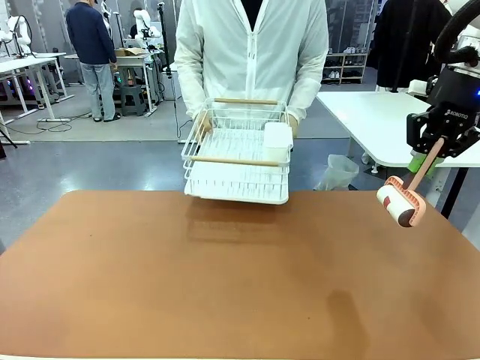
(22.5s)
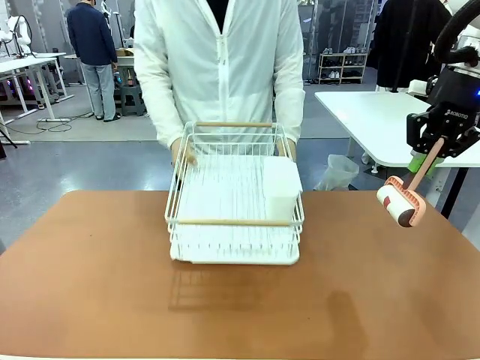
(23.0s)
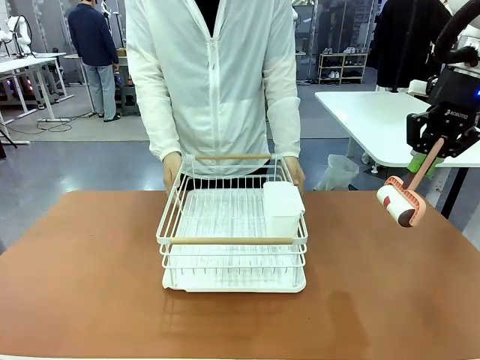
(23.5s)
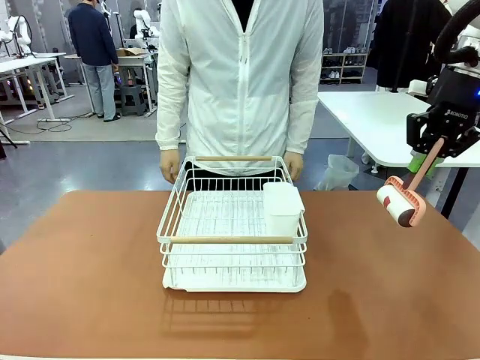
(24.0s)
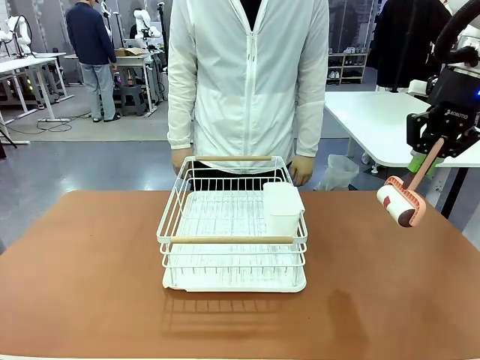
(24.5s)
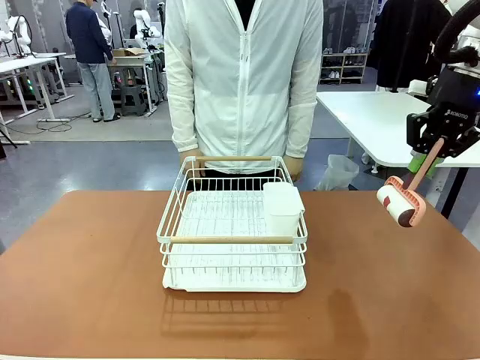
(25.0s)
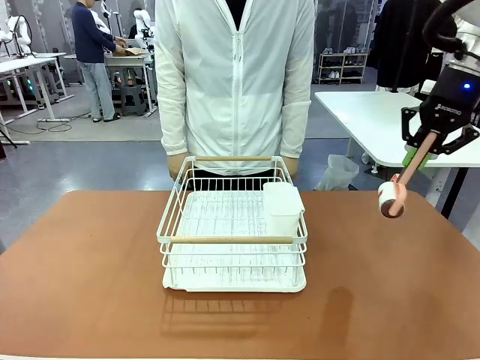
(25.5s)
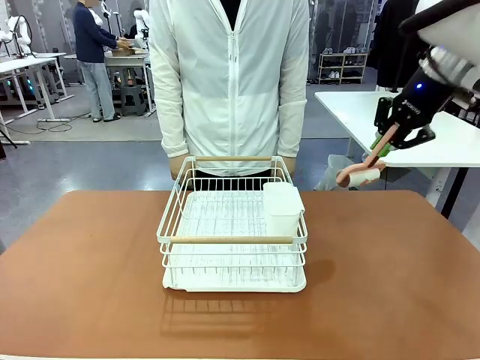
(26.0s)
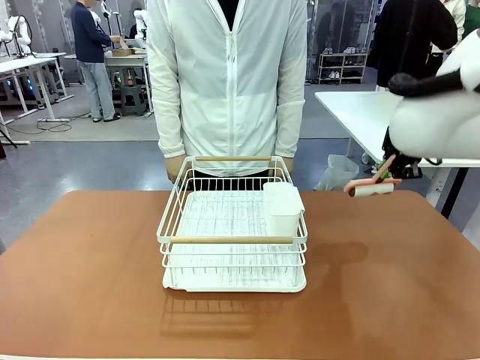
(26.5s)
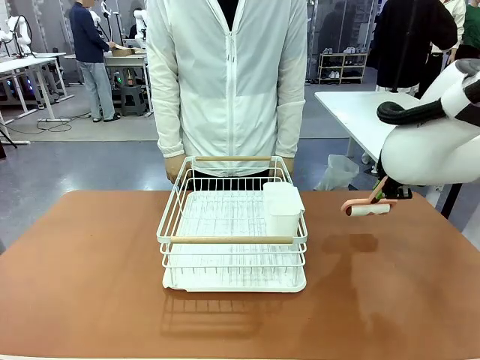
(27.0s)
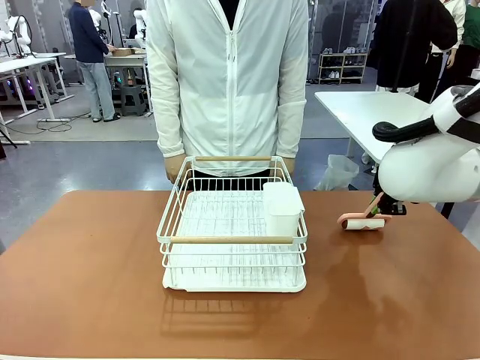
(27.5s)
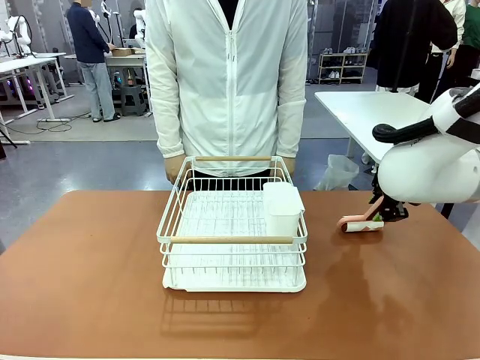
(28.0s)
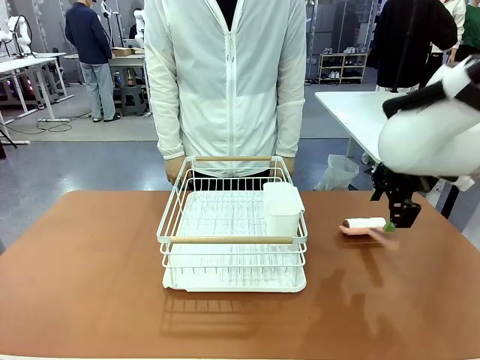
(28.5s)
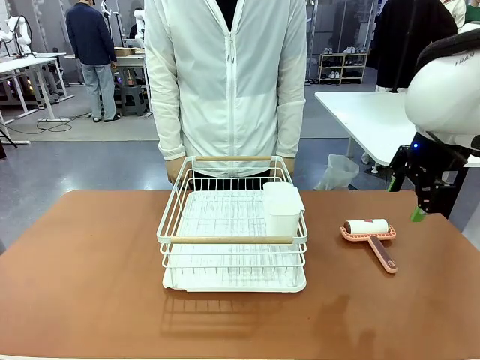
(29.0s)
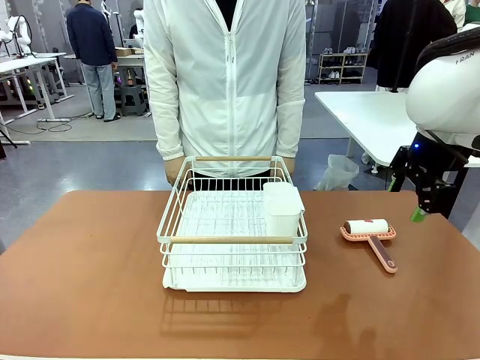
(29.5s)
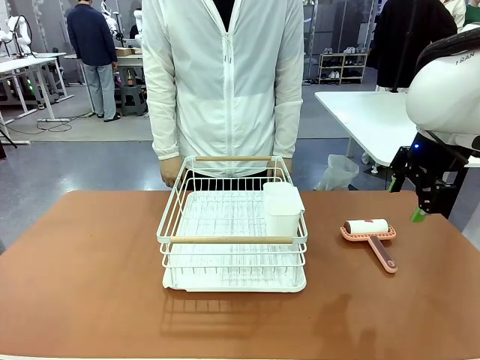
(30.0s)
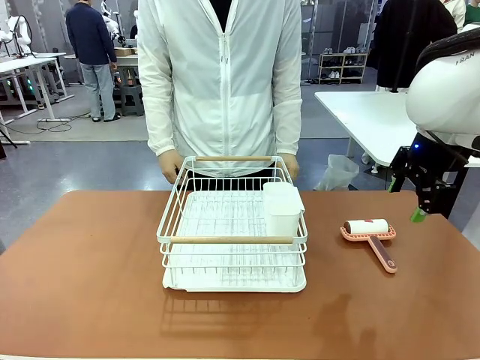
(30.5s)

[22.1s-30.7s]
Task: Clean the table.
Robot: Place the Lint Roller down when the Dish drying rack is positioned in the middle of the table.
Person: Place the Dish drying rack down when the robot finishes cleaning.

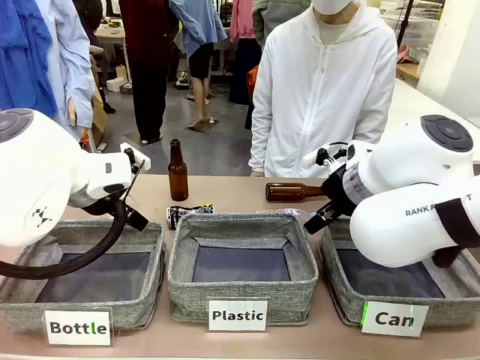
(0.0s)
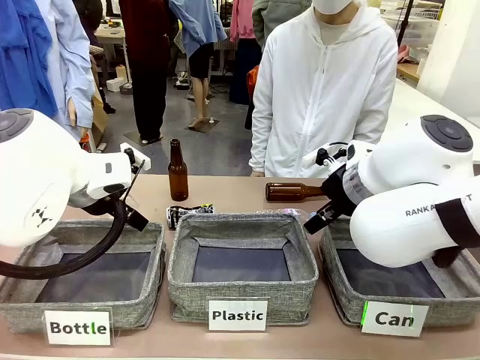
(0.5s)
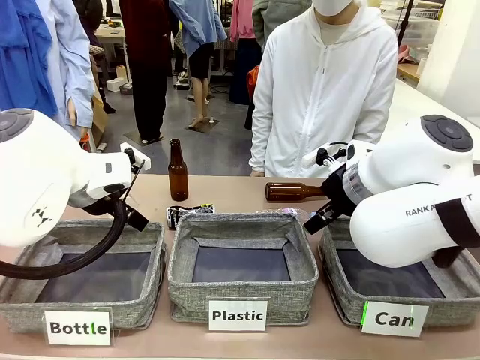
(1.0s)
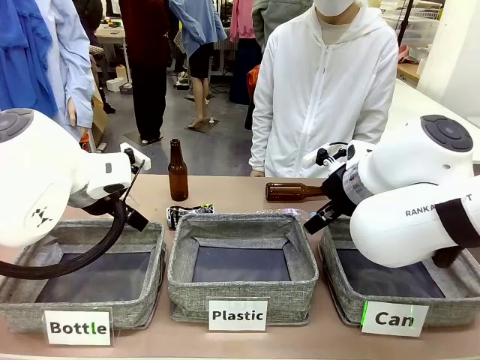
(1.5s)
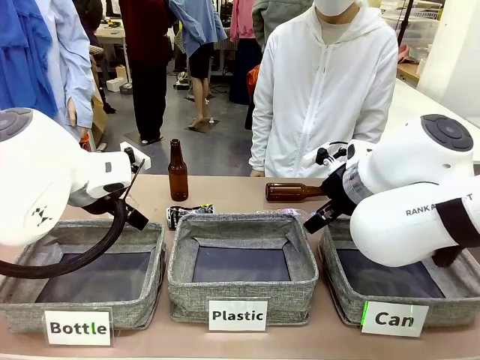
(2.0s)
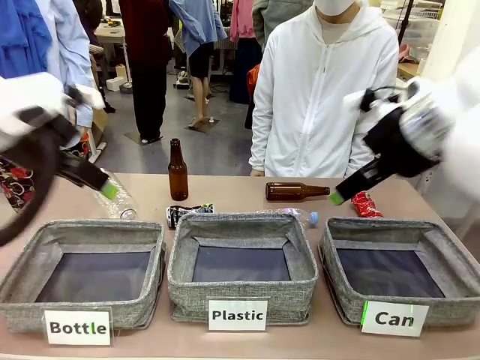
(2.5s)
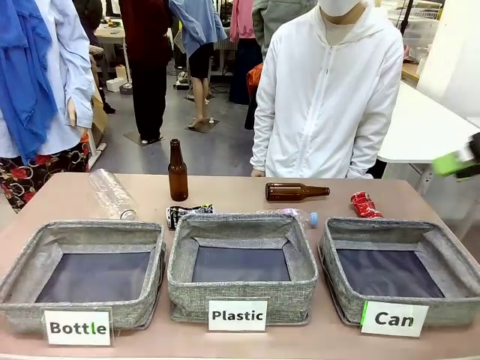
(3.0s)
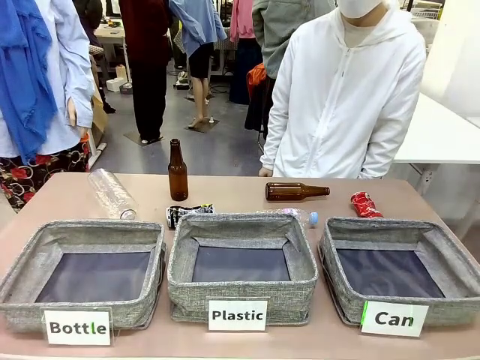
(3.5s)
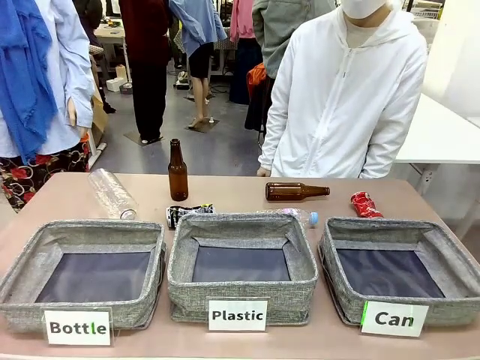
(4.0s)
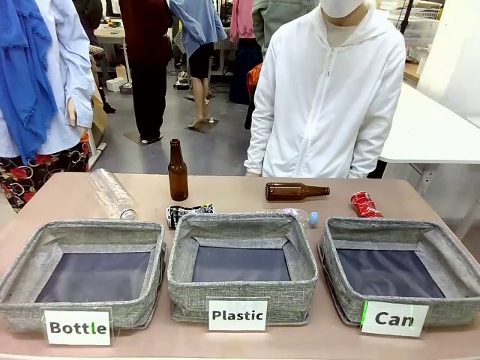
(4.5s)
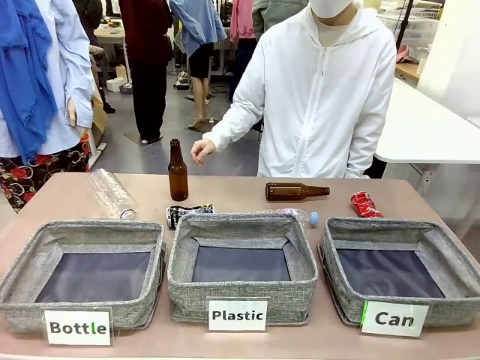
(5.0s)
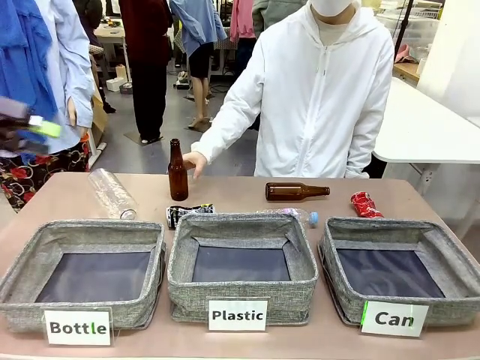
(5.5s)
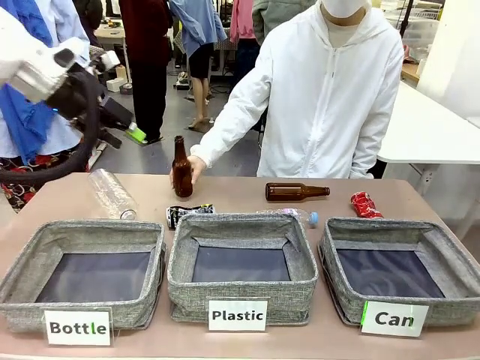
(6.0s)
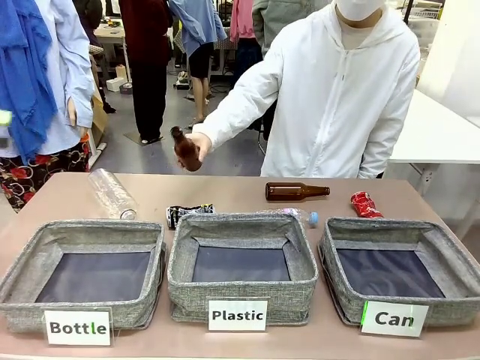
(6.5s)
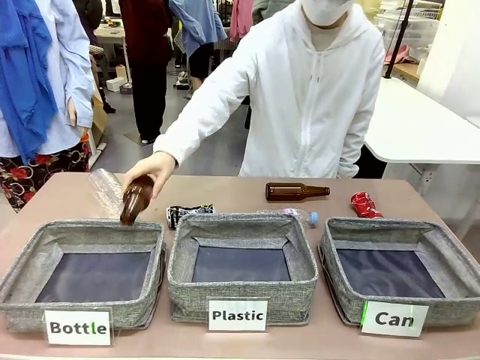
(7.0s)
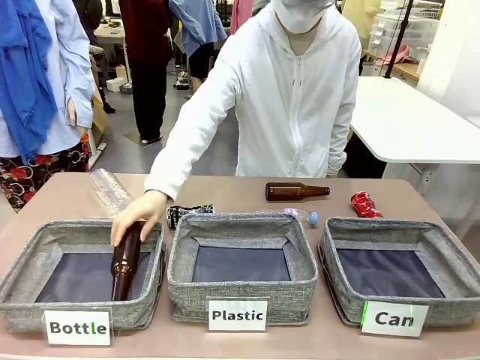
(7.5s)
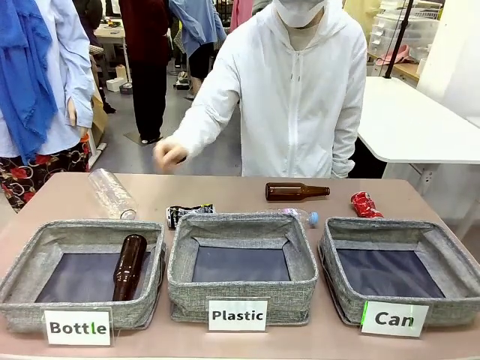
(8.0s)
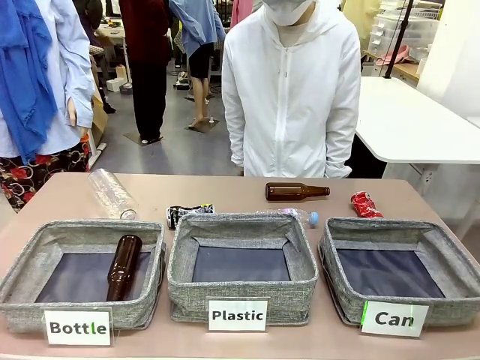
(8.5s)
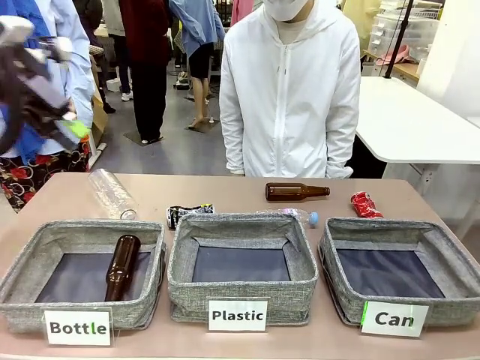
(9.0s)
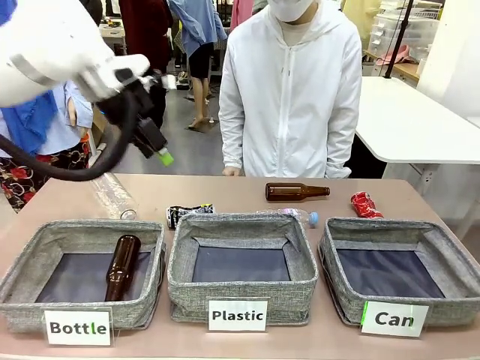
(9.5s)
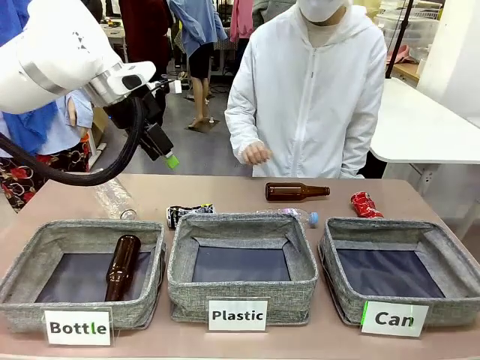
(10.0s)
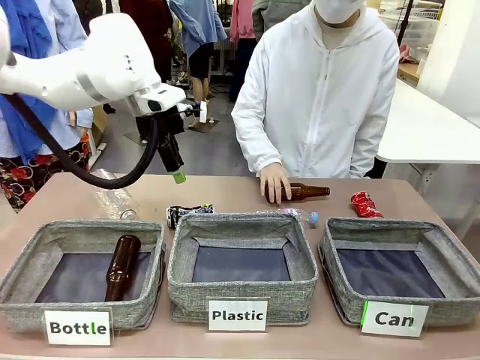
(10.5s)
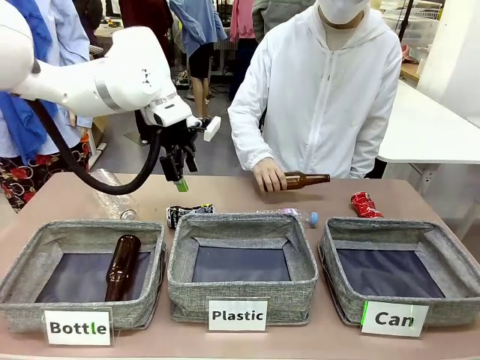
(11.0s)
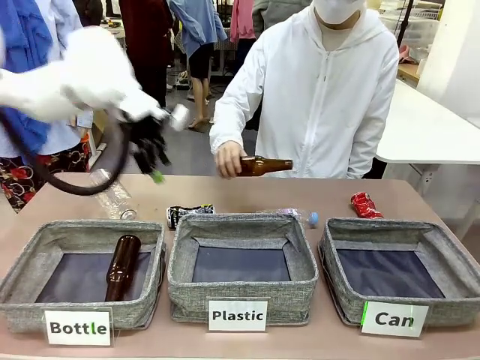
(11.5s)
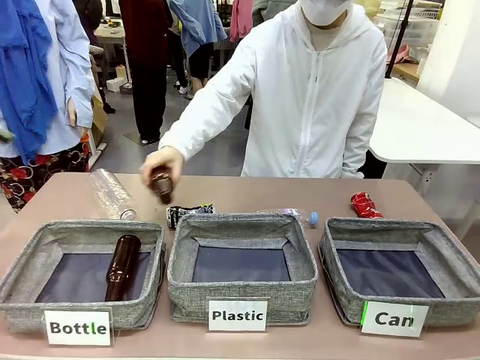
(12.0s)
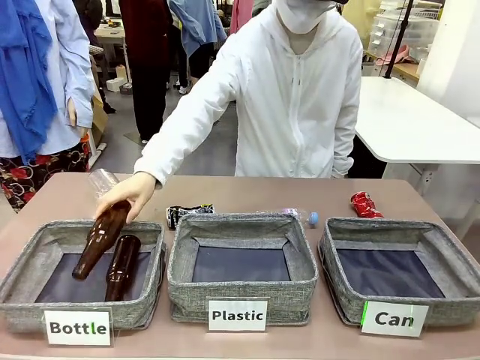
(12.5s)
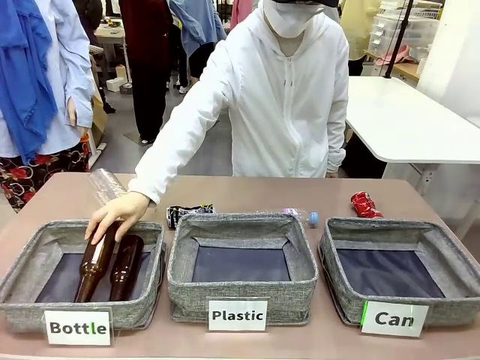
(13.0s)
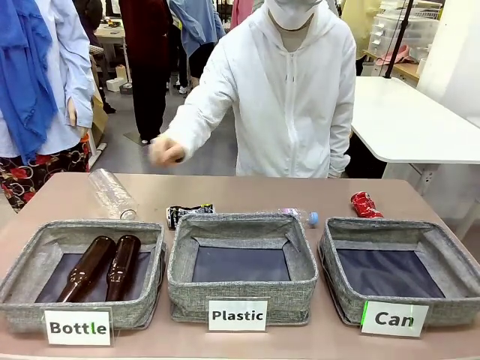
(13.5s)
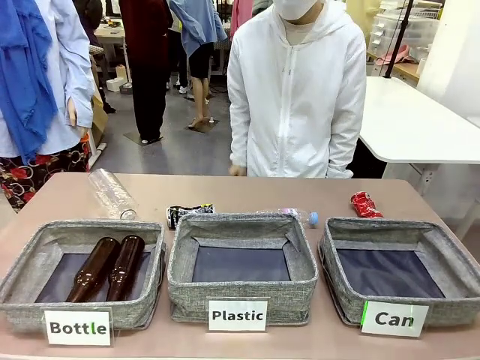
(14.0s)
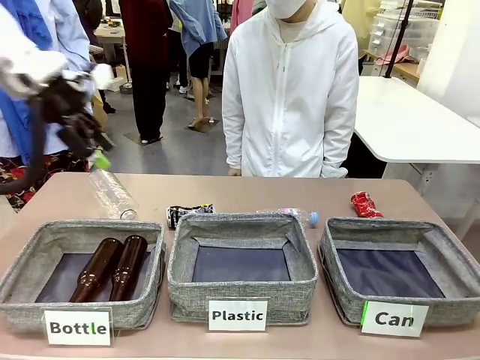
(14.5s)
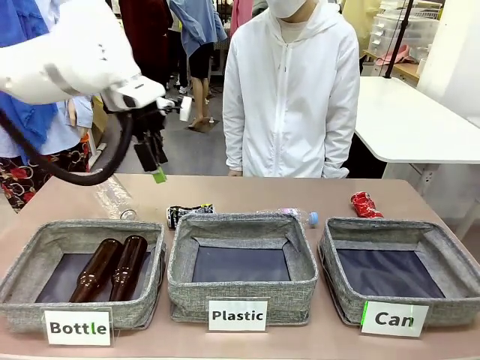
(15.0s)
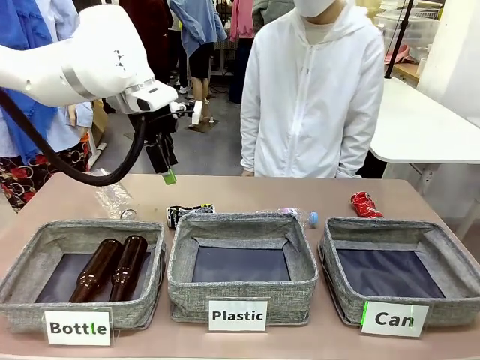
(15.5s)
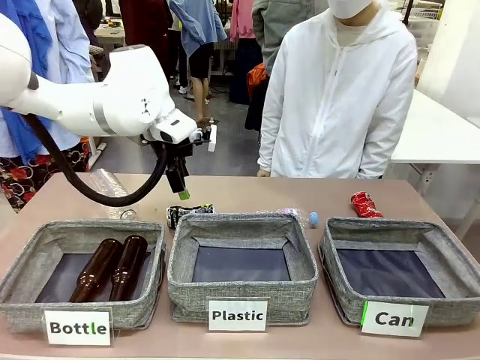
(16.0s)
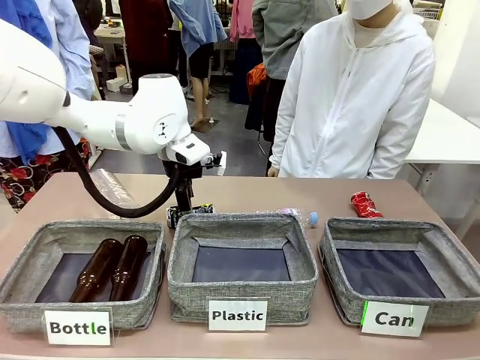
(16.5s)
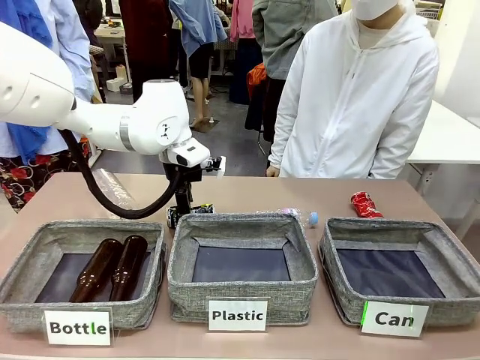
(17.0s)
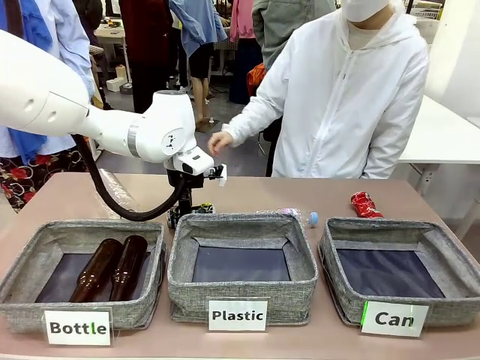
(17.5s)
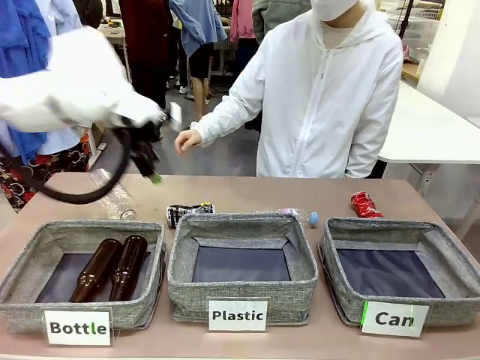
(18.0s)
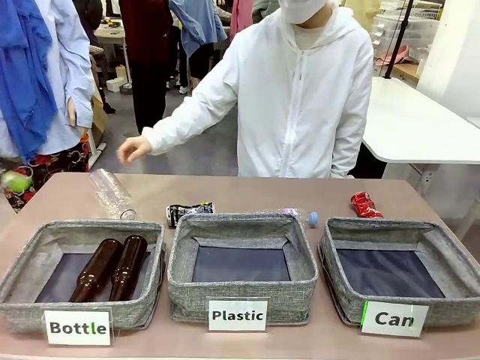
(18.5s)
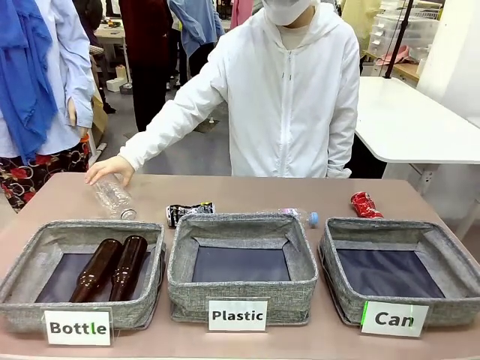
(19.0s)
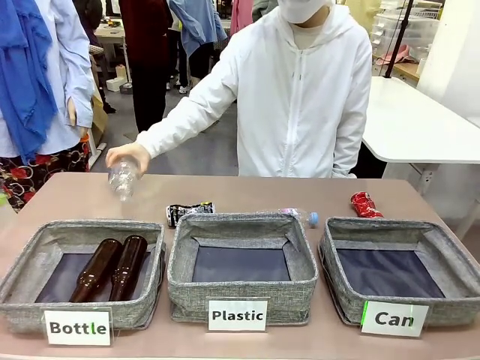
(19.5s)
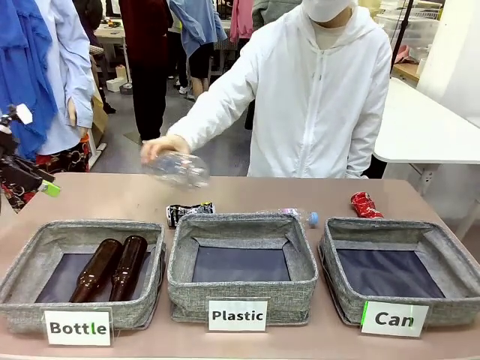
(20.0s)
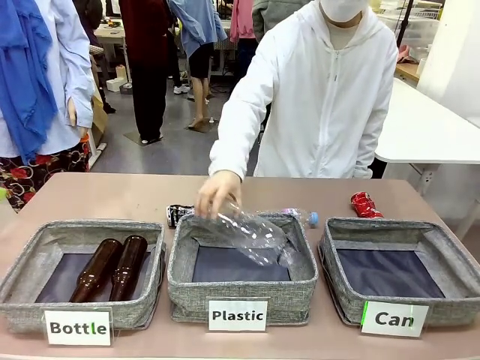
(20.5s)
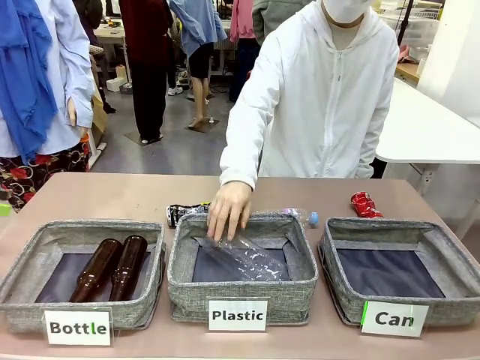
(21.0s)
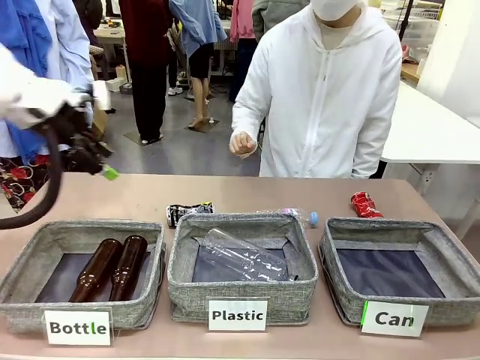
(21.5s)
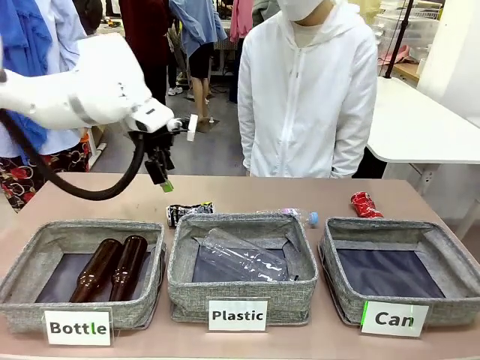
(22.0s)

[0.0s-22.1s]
Task: Sort the can waste into the basket.
Robot: Pick up the can waste from the table and place it in the right Fabric basket.
